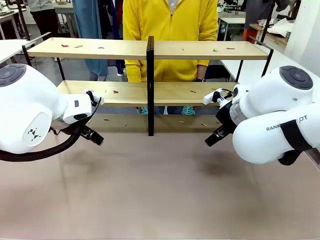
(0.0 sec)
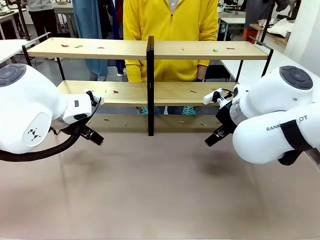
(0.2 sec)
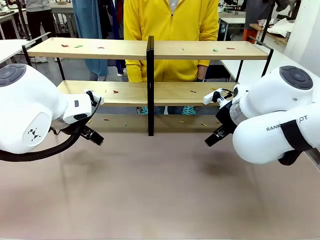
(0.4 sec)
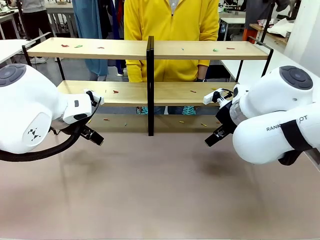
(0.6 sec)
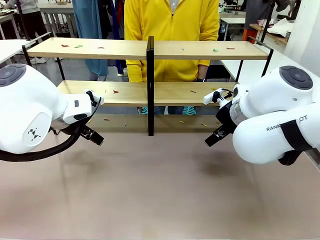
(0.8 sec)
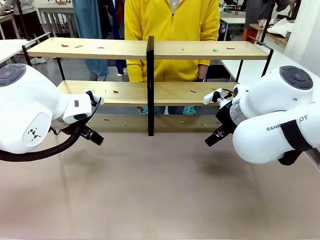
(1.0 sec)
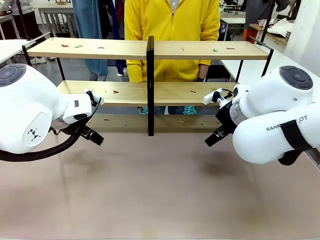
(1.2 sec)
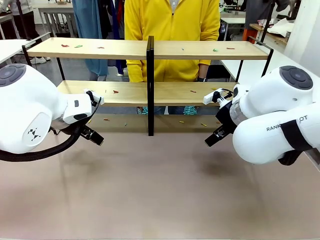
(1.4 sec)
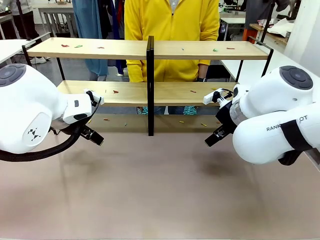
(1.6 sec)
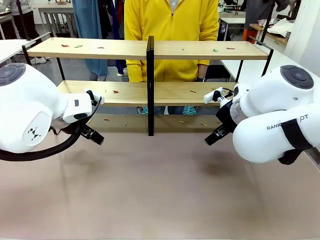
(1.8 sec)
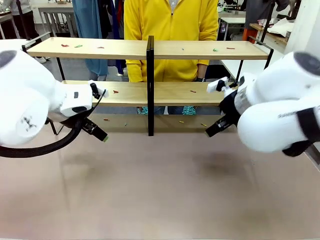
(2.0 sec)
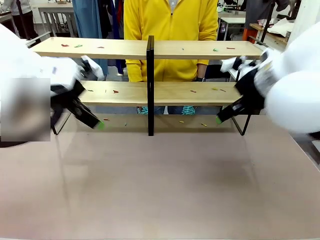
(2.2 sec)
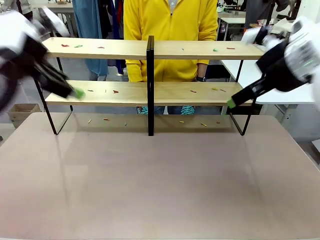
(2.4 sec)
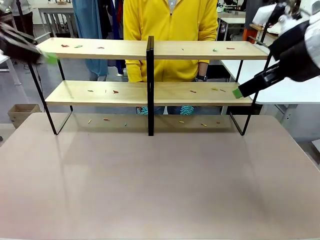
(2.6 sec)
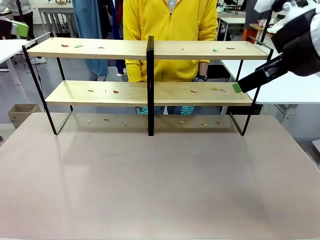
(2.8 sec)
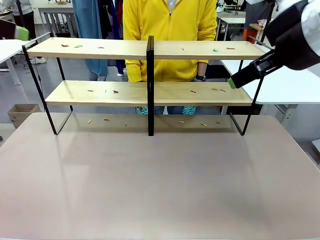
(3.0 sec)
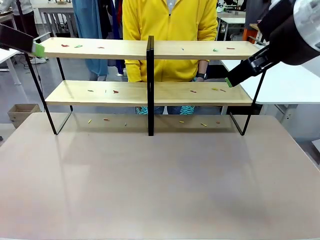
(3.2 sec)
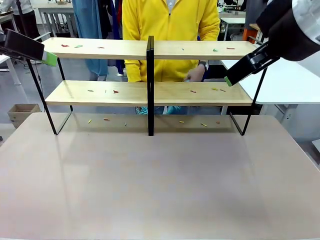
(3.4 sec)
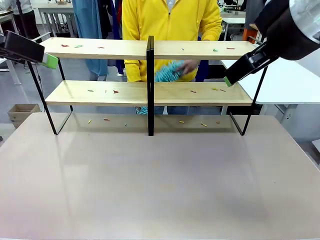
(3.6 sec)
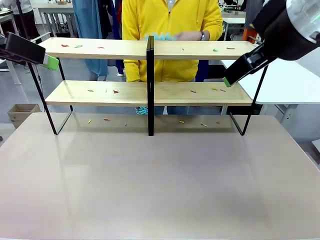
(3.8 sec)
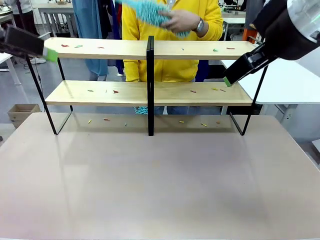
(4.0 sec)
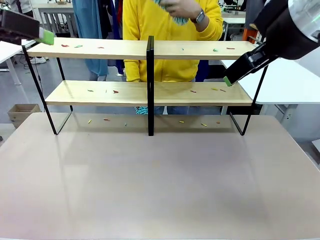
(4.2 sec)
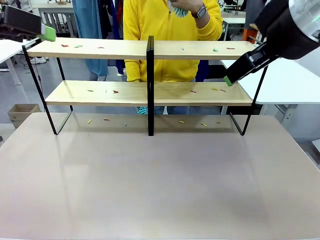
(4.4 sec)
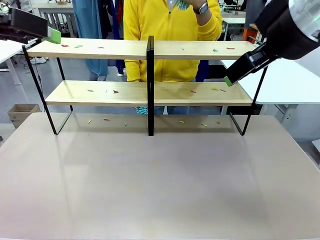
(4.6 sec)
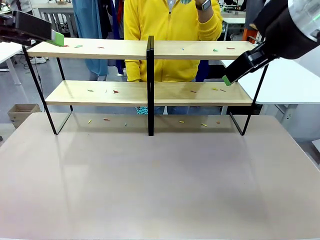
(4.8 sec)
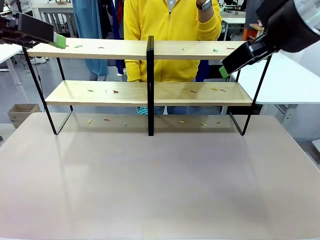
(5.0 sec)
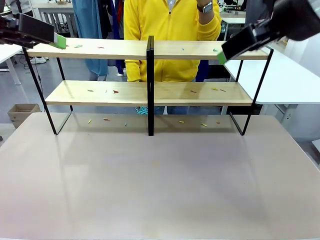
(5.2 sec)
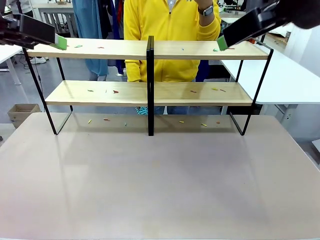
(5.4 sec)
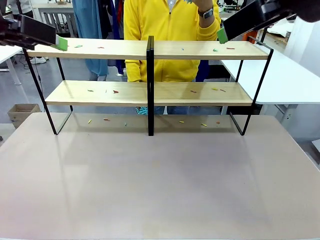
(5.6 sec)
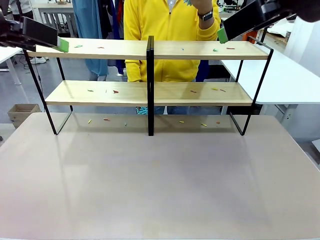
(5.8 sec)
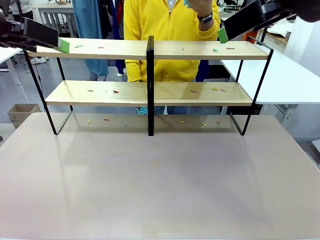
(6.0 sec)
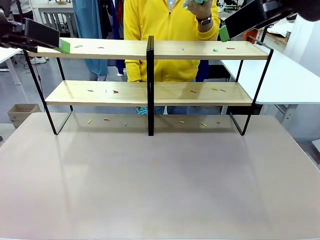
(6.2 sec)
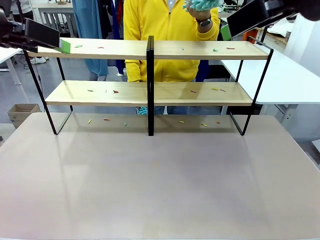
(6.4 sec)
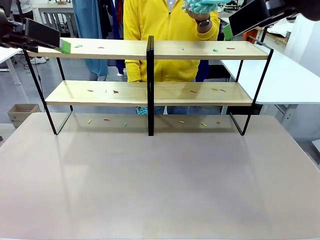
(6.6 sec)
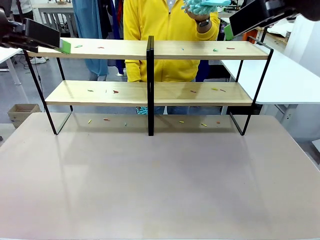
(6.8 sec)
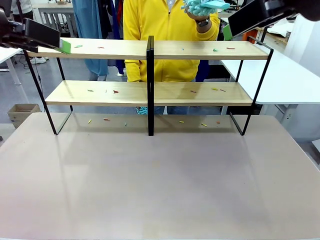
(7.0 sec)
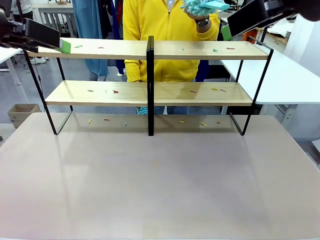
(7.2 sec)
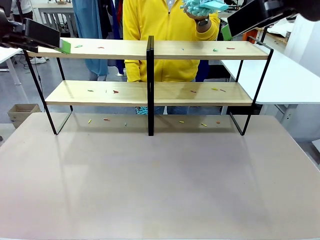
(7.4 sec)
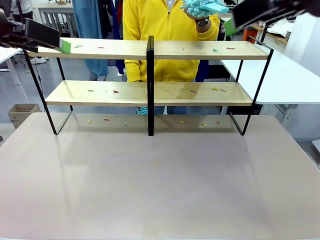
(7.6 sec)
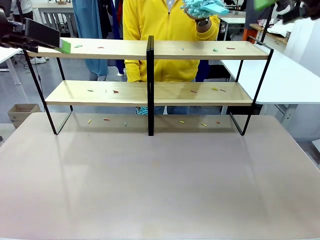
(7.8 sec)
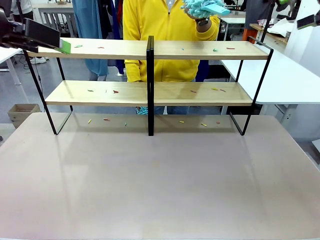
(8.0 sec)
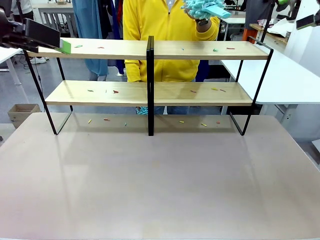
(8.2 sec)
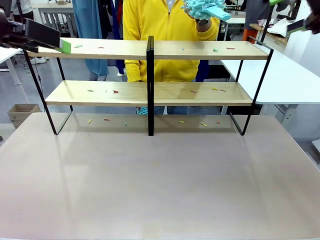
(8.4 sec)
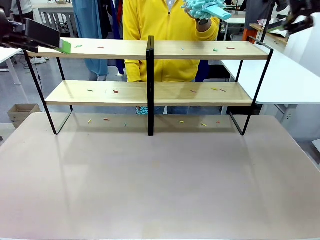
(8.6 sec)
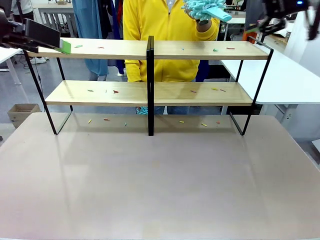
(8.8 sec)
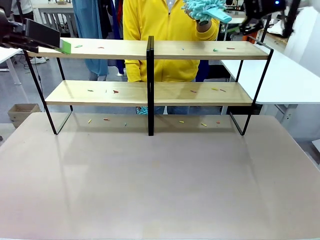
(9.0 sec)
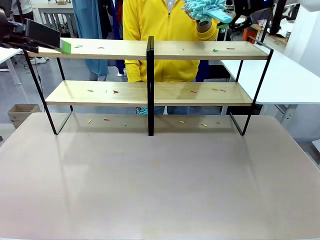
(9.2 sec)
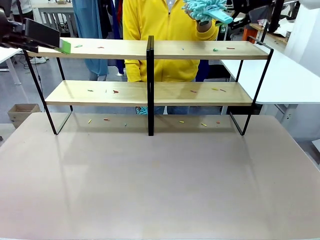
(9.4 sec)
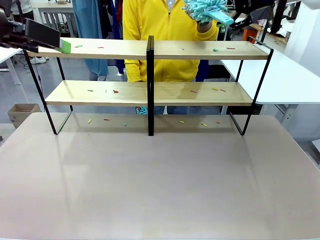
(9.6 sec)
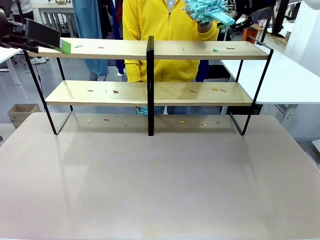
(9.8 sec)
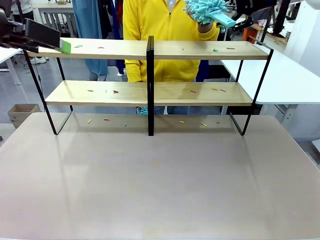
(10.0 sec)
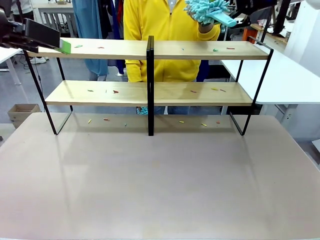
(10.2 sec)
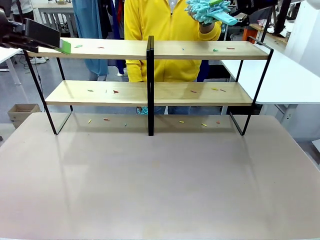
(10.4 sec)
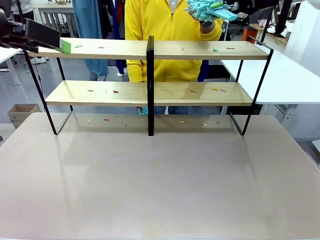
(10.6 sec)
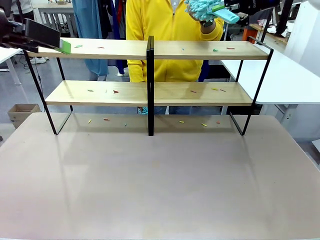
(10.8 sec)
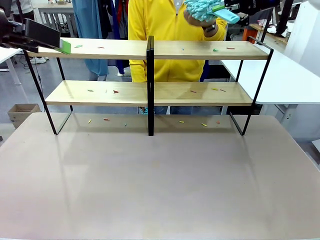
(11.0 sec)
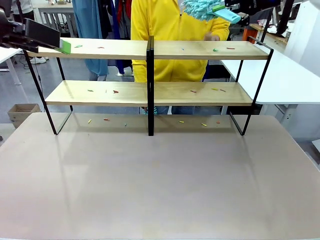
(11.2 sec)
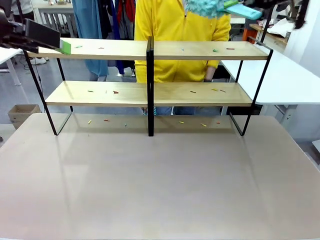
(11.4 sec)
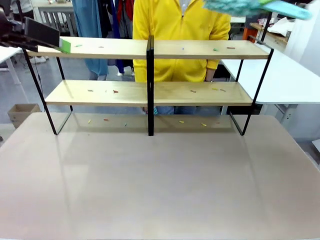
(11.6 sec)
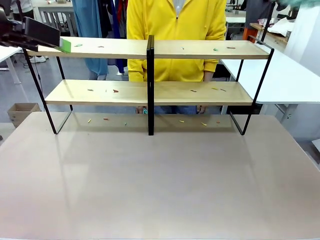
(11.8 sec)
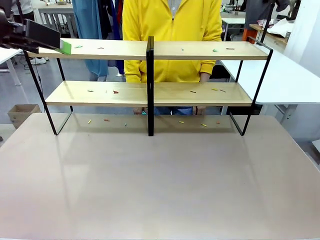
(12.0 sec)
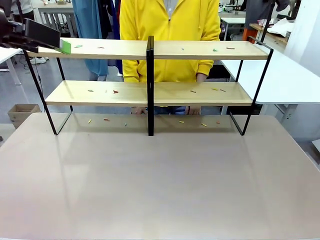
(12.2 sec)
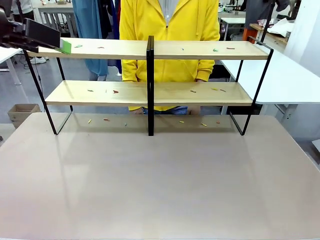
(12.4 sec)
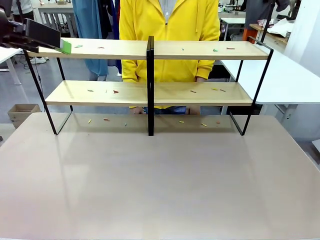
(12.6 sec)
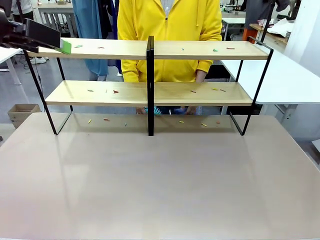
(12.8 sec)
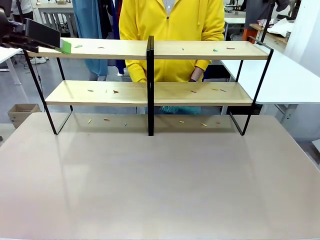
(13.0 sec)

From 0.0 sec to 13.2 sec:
Task: Clean the shelves.
Robot: Pick up the Duster when the human hands it over.
Person: Hand the Duster to the robot with your right (or left) hand.

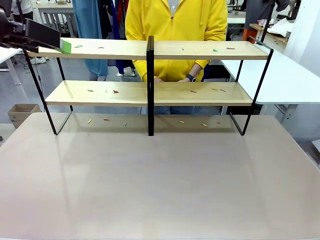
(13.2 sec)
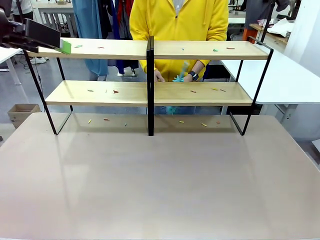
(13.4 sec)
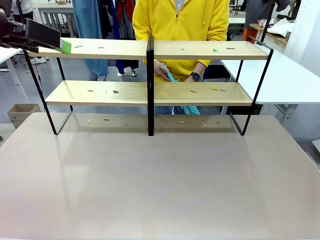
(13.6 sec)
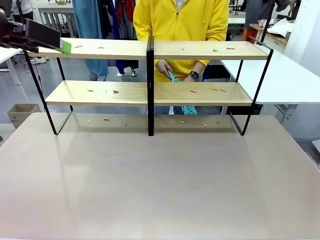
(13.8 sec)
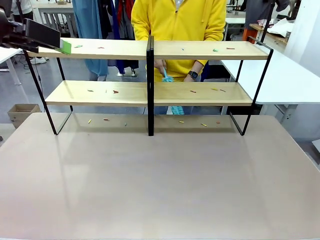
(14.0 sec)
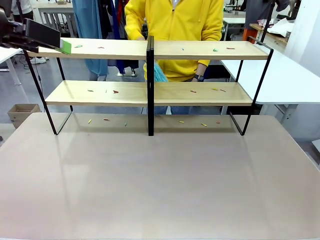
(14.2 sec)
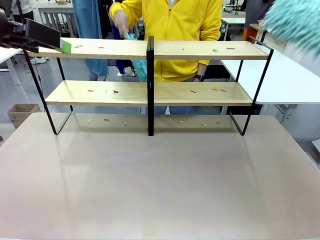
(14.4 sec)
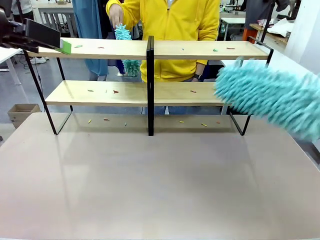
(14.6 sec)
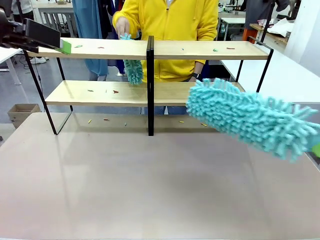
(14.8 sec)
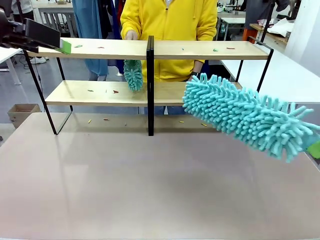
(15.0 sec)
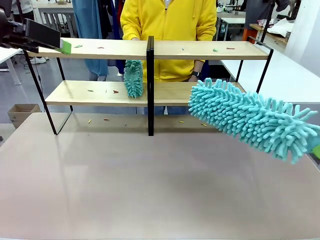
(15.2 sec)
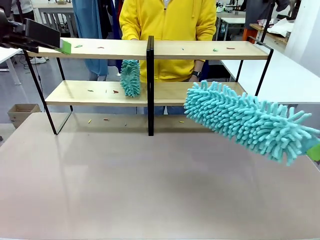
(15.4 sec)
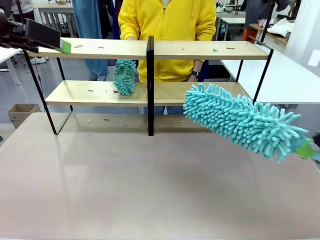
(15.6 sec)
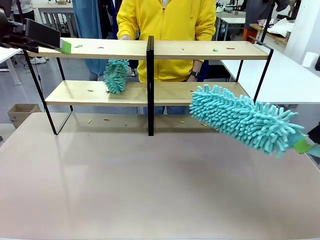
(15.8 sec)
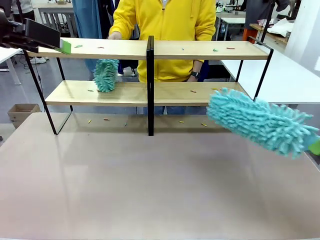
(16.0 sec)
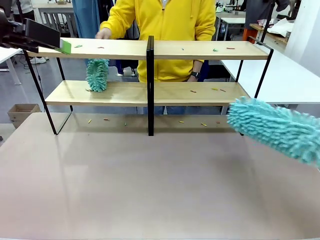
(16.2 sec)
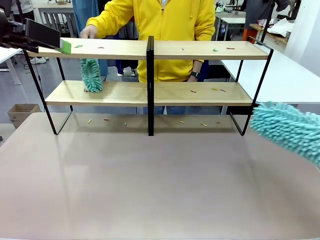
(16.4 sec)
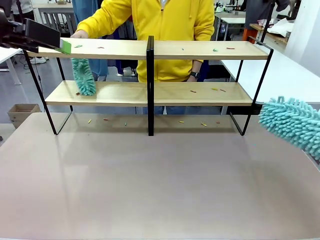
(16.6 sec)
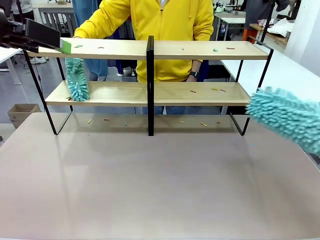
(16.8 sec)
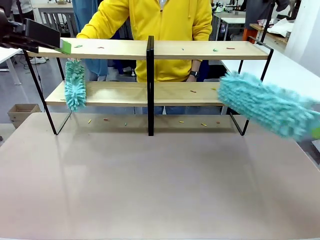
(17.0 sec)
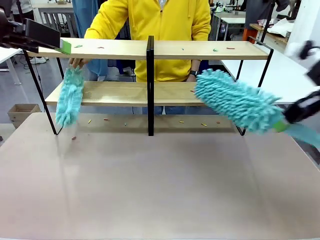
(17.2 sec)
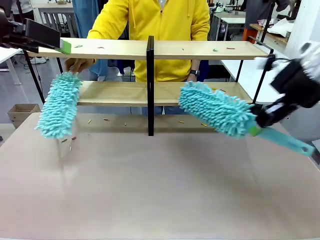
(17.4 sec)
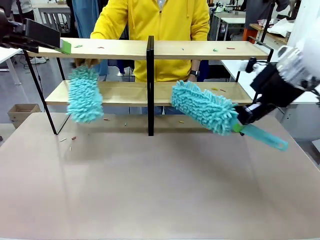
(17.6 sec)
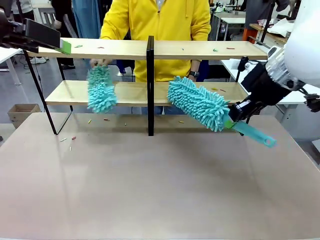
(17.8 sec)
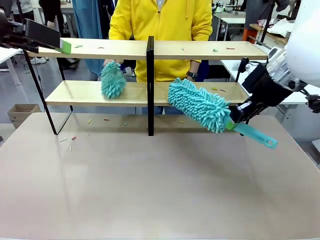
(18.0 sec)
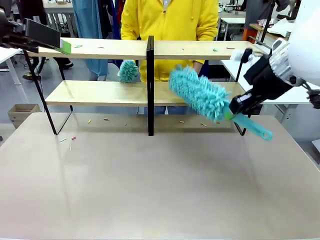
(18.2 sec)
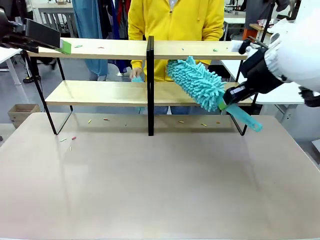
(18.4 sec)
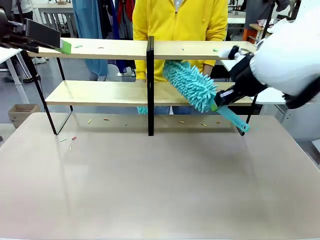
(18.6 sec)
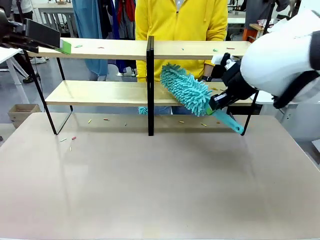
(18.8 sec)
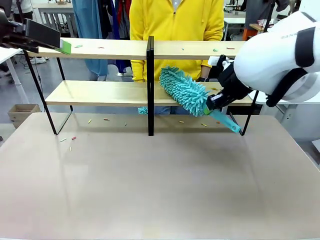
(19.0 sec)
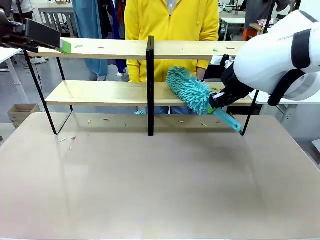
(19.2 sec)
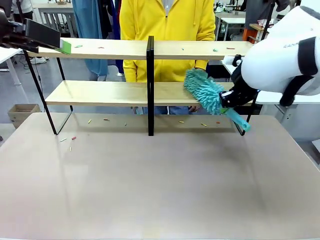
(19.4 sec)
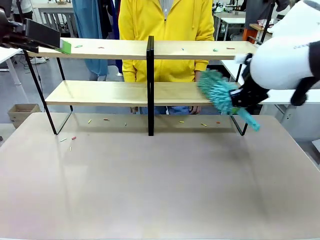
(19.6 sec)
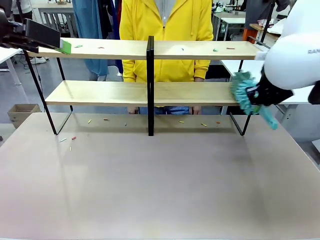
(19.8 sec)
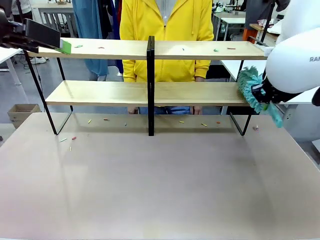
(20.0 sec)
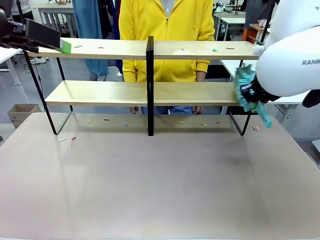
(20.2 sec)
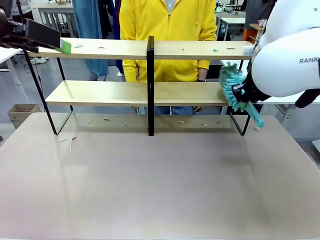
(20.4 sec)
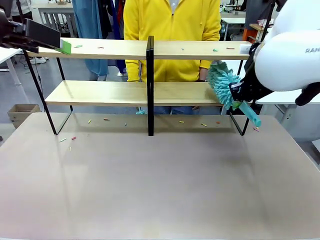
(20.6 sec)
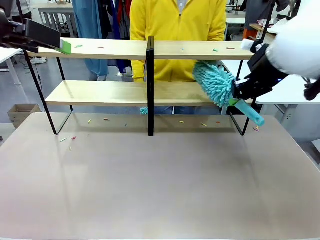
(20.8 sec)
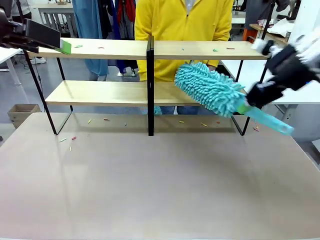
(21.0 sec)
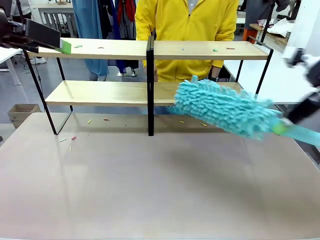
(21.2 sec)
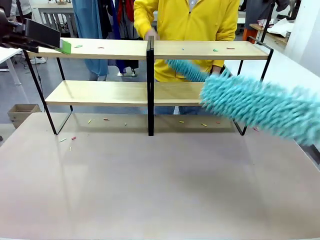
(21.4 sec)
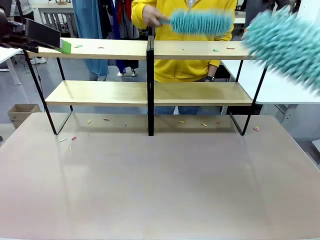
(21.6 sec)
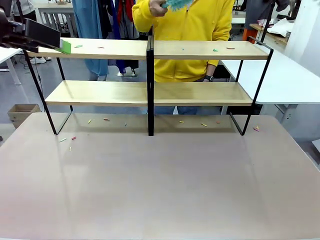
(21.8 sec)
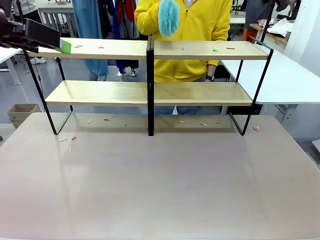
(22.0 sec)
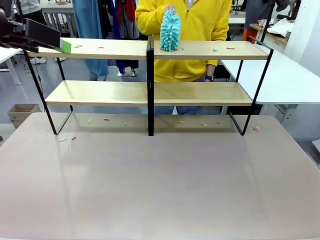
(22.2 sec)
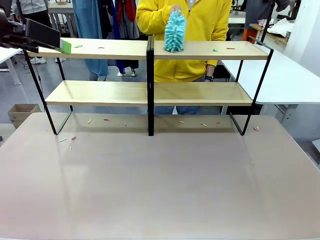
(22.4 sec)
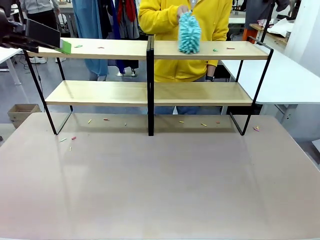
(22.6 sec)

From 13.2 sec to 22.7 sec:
Robot: Clean a randomly selected level of the Shelf with the Duster.
